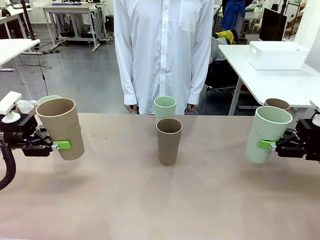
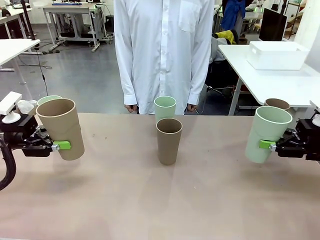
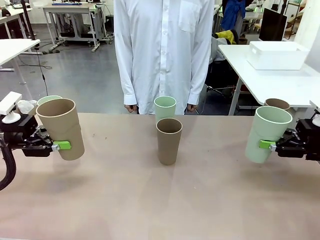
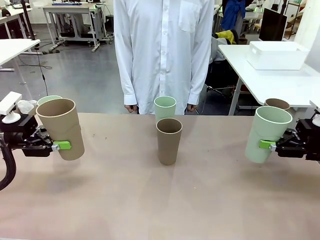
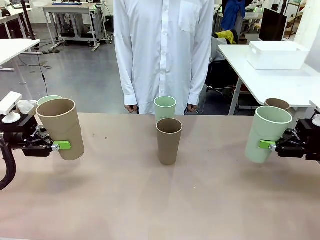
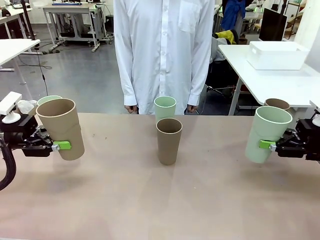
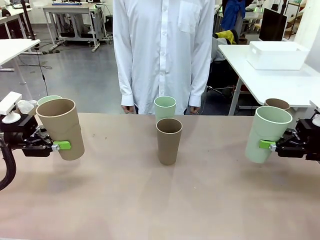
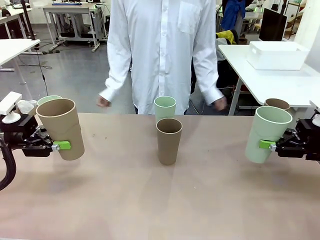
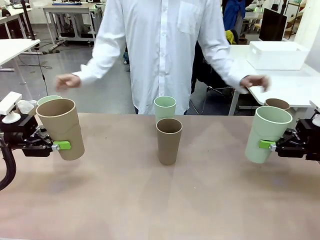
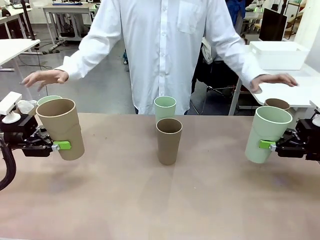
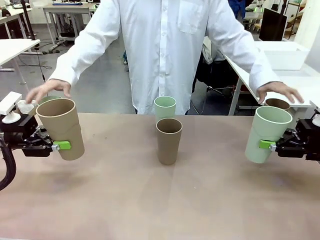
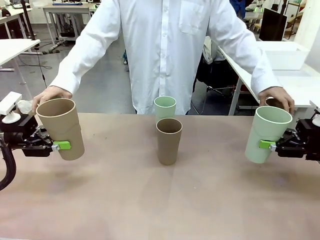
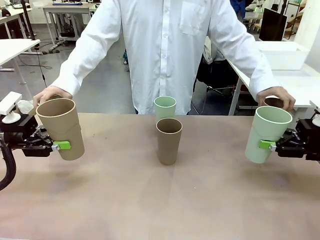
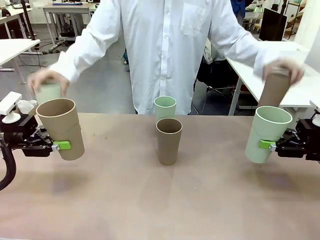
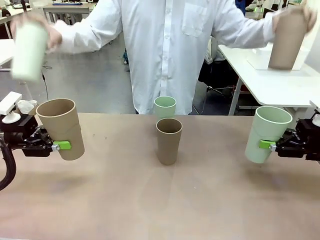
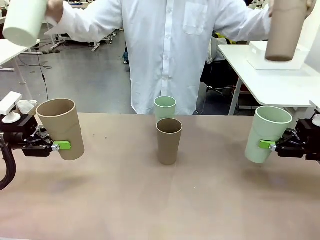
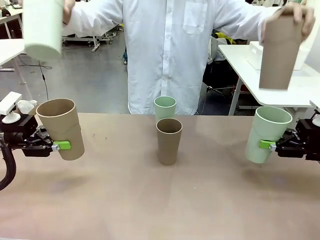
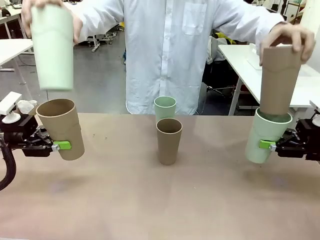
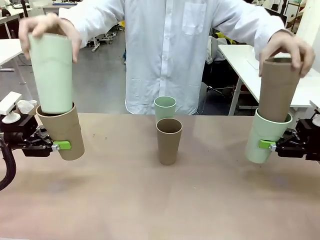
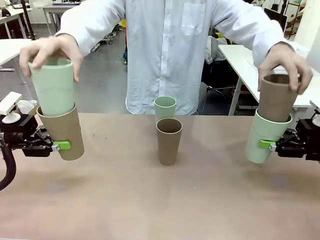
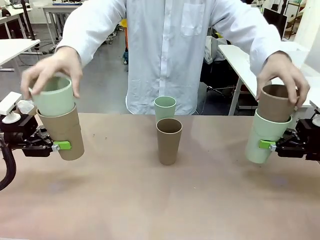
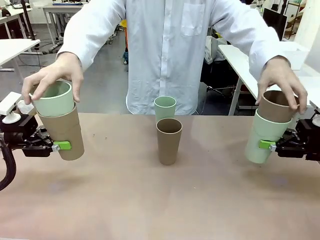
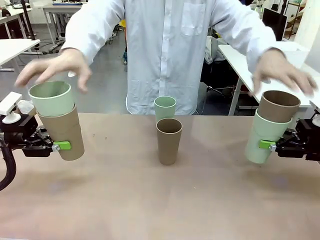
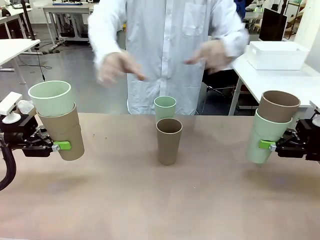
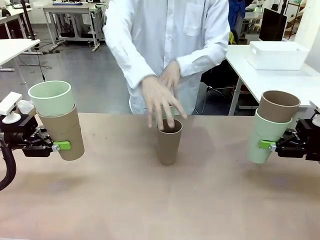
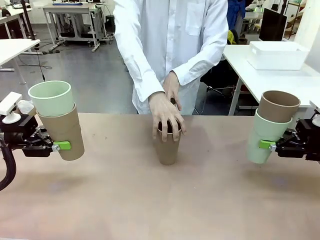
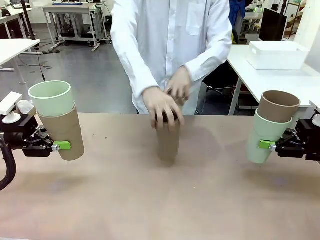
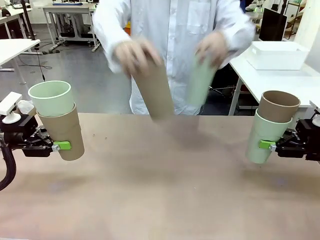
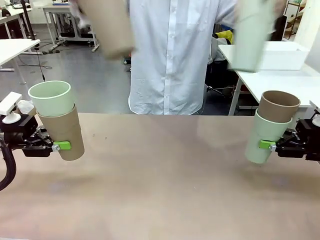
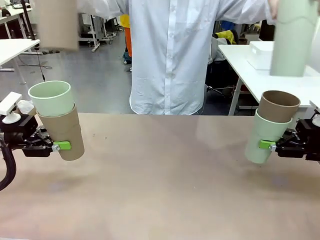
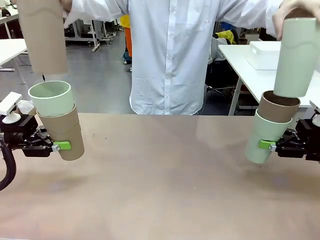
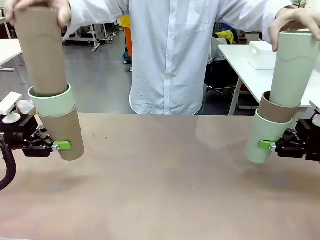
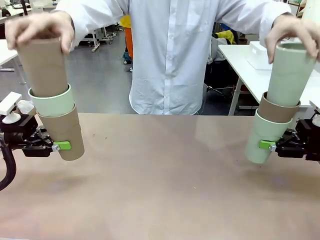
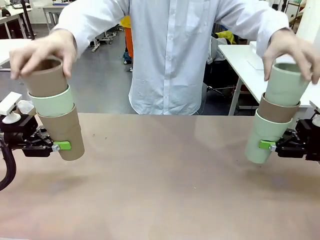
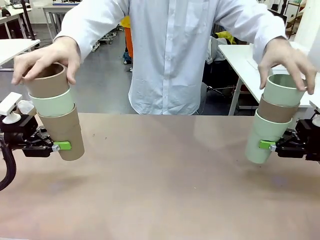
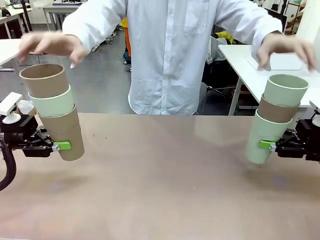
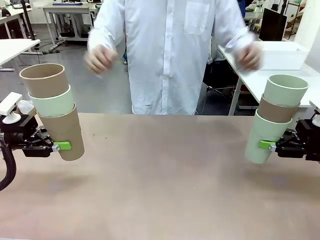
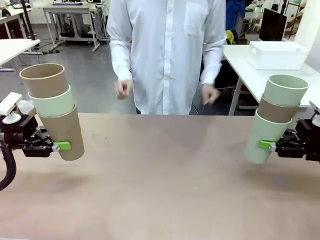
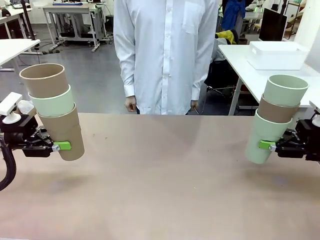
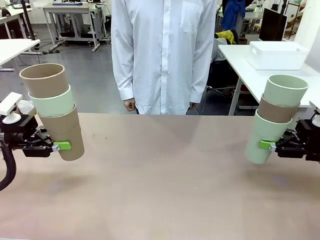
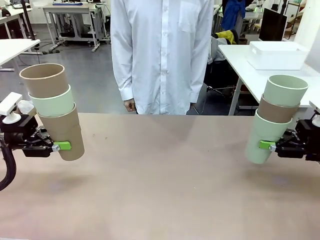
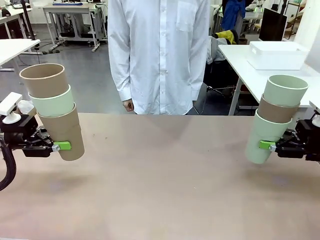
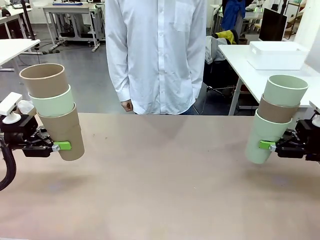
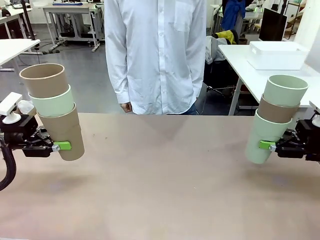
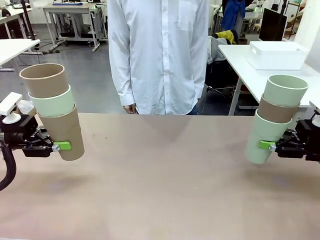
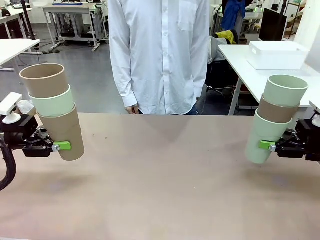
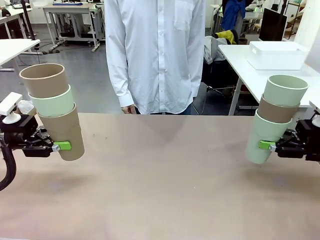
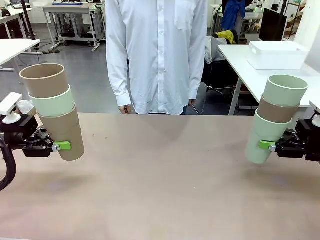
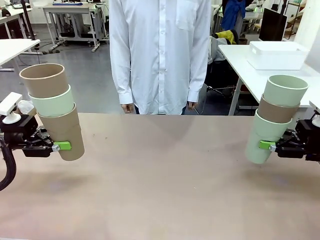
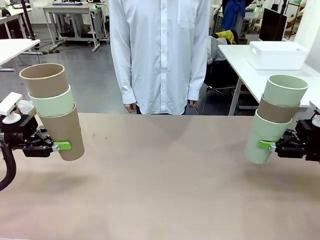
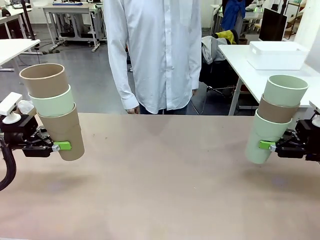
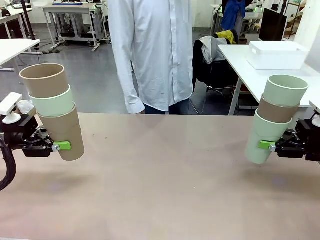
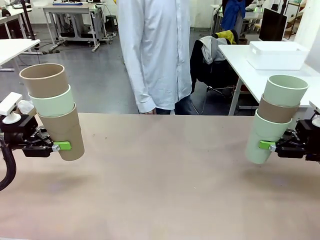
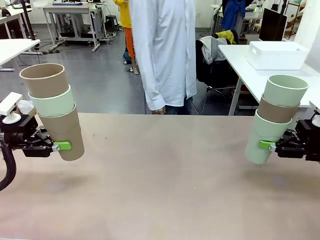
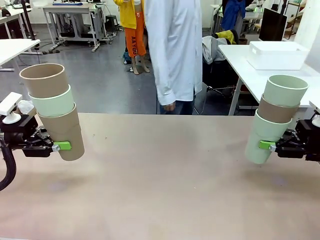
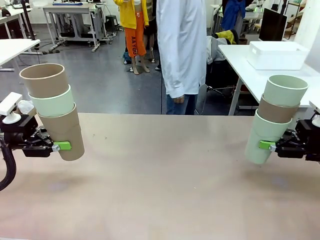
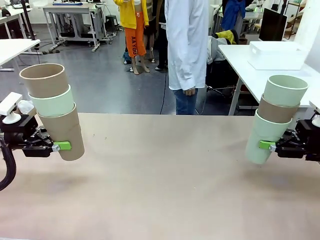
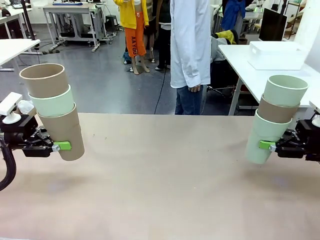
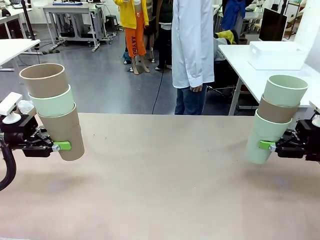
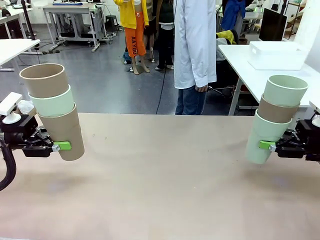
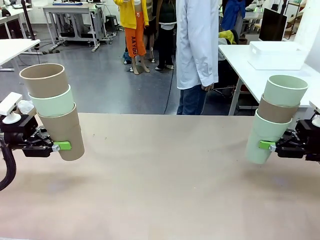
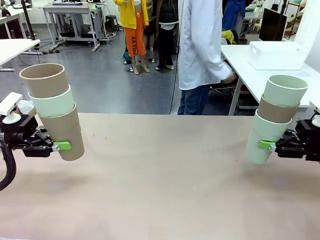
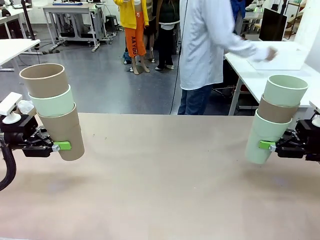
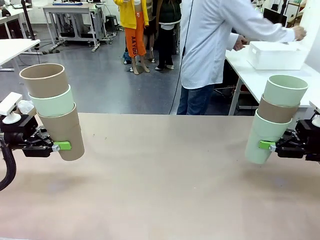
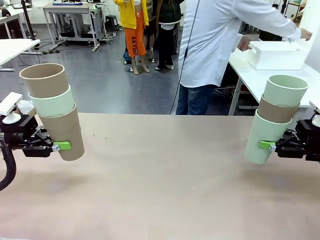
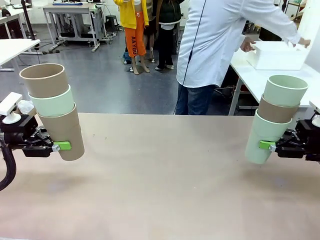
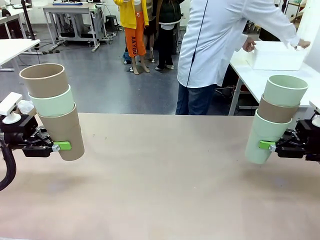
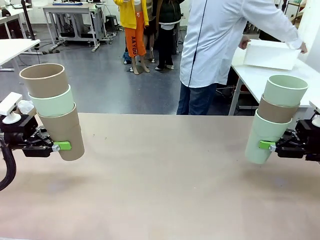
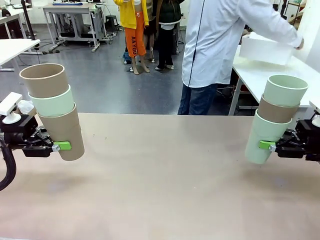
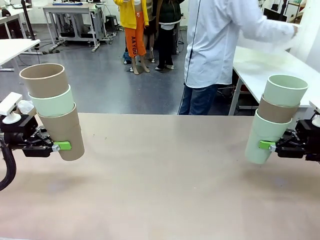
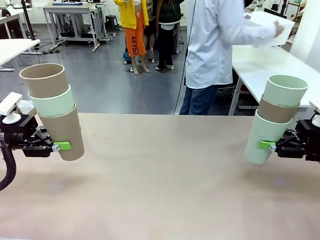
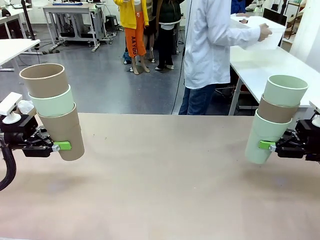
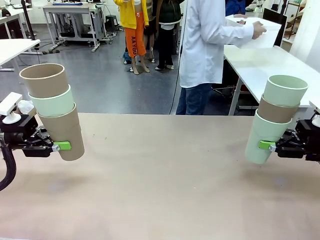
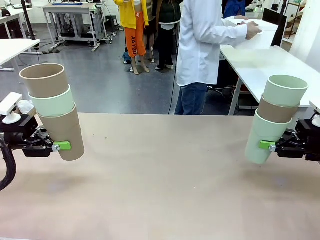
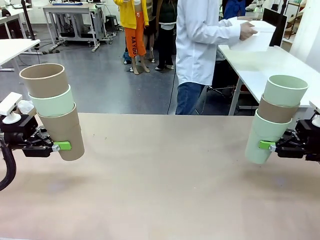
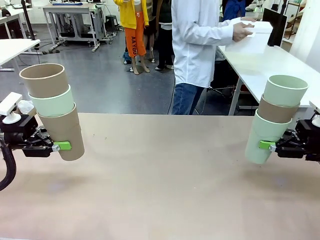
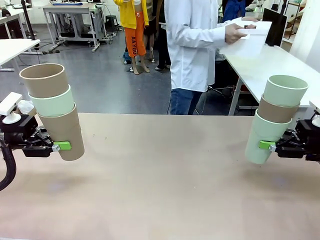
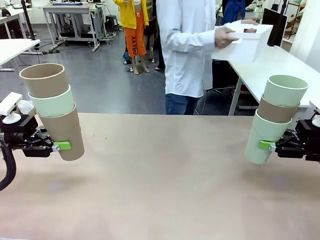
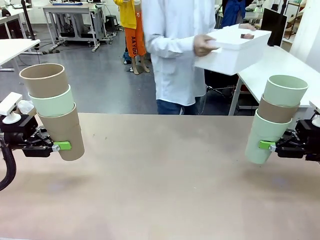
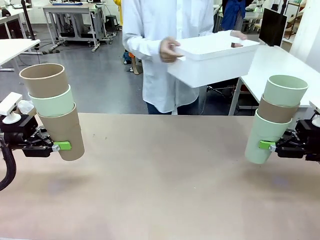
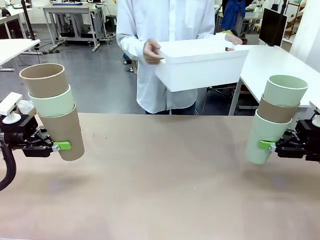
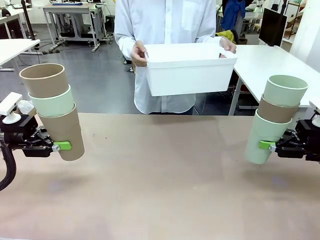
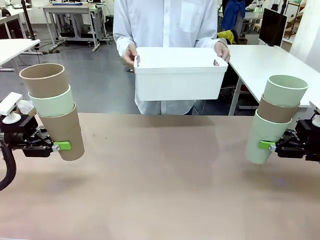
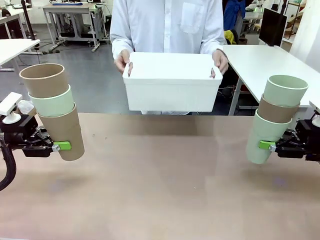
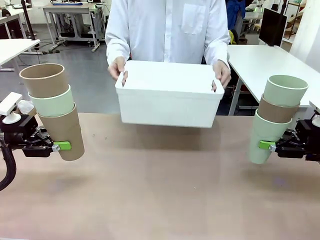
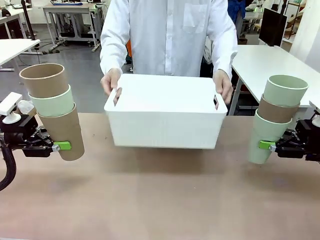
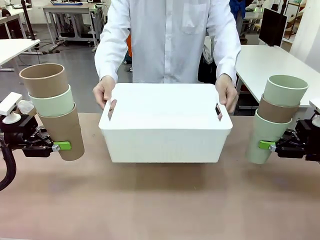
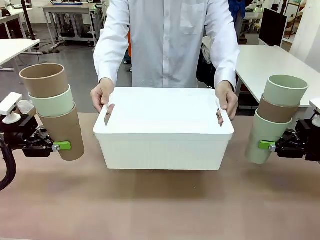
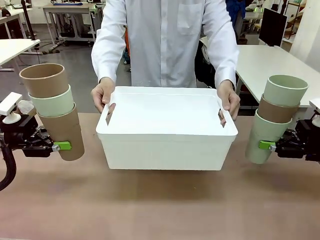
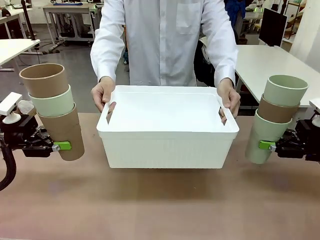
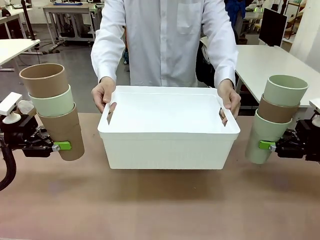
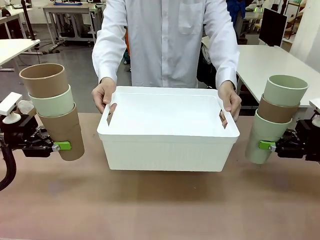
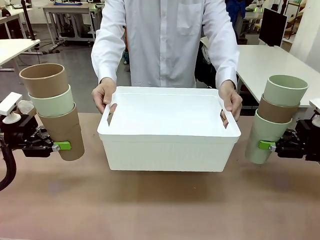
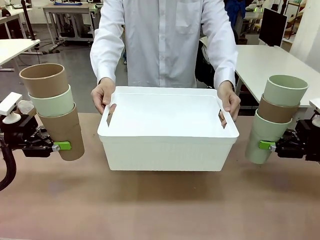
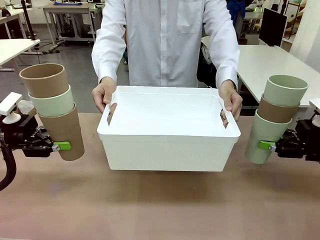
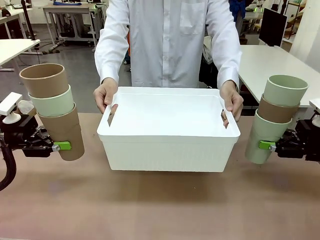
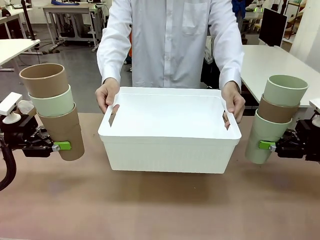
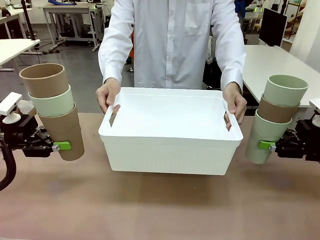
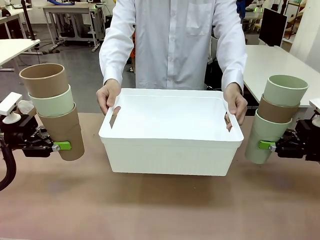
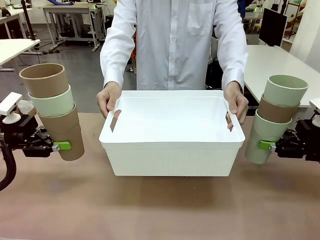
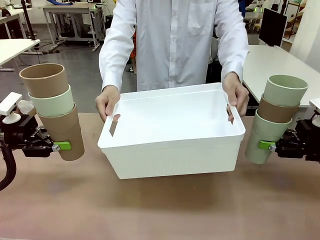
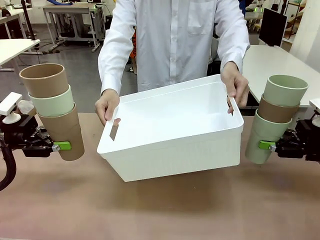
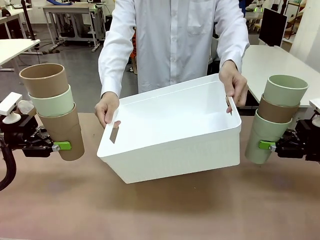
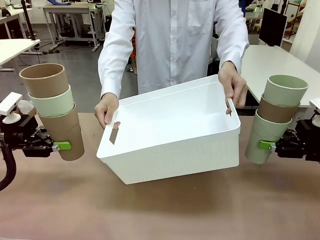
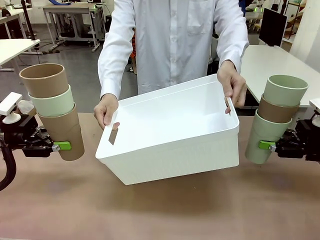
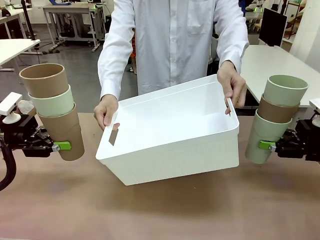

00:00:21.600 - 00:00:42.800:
Task: Stack the cups and store them in the basket.
Robot: Place the stack of Reusable plastic cups into the Pantry Basket.
Person: Pick up the basket from the Human Table, bring it to the front of the robot, and present it.
